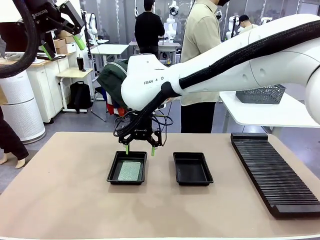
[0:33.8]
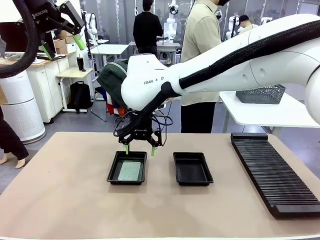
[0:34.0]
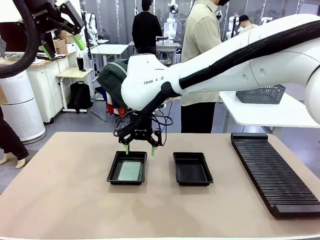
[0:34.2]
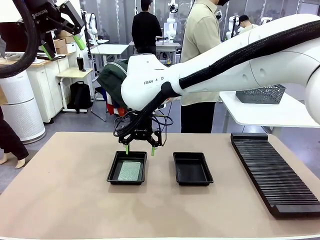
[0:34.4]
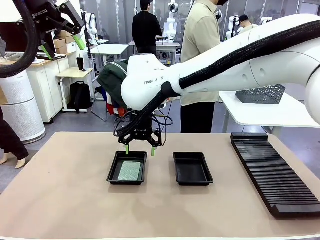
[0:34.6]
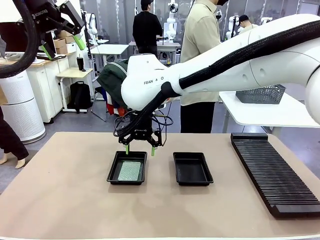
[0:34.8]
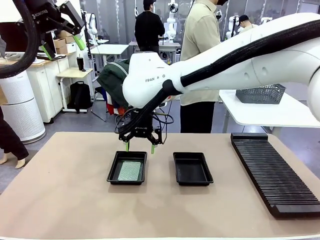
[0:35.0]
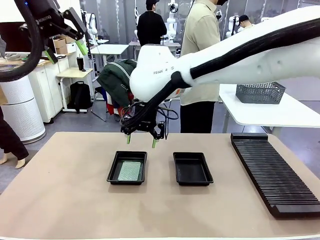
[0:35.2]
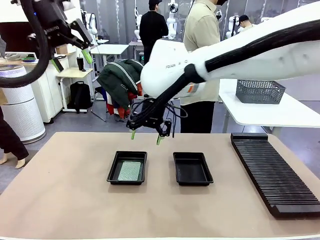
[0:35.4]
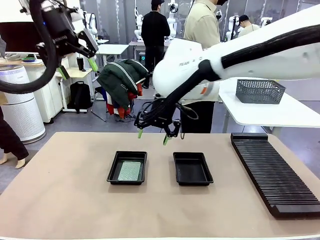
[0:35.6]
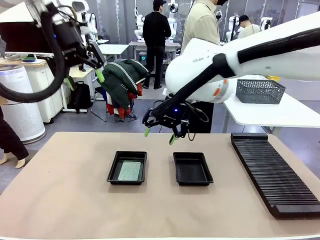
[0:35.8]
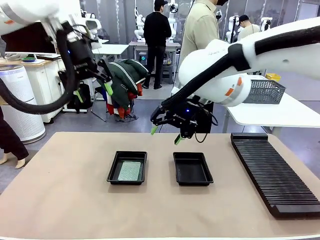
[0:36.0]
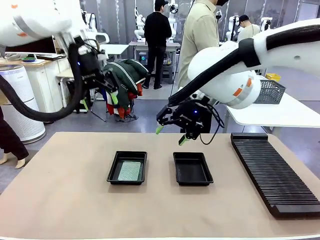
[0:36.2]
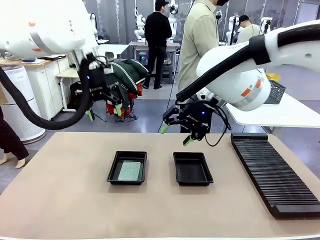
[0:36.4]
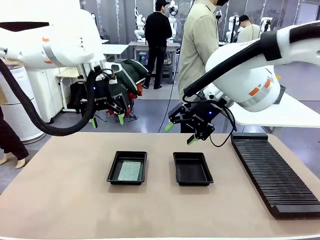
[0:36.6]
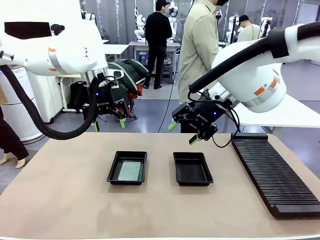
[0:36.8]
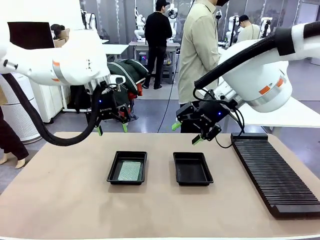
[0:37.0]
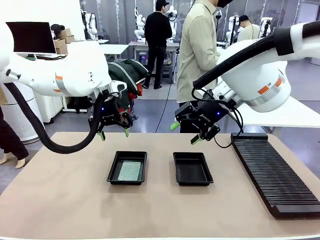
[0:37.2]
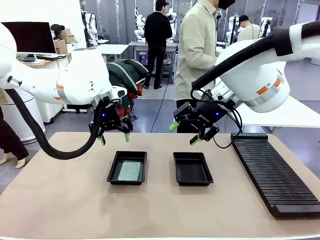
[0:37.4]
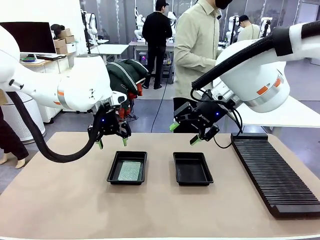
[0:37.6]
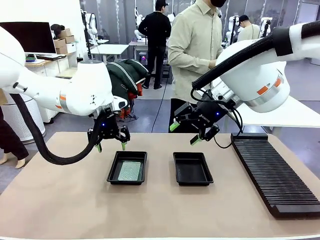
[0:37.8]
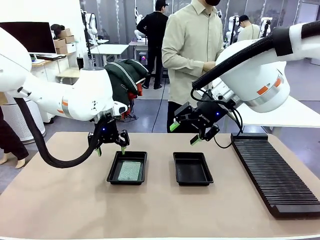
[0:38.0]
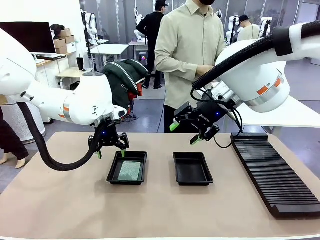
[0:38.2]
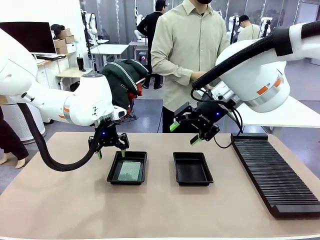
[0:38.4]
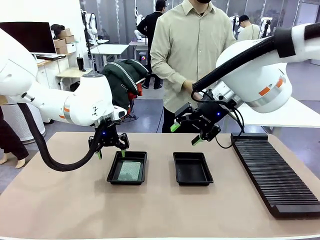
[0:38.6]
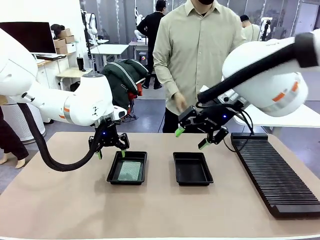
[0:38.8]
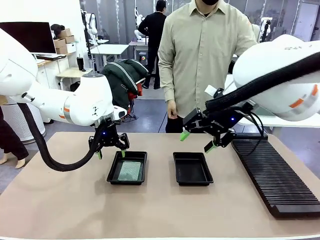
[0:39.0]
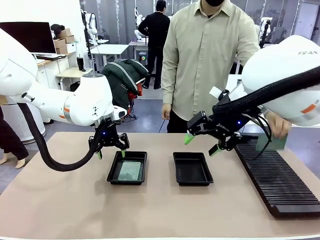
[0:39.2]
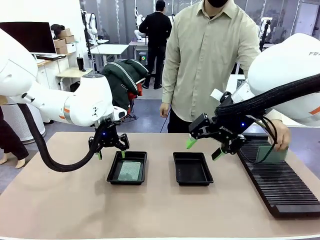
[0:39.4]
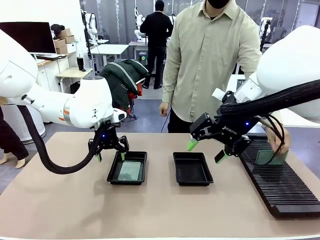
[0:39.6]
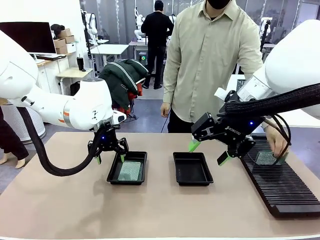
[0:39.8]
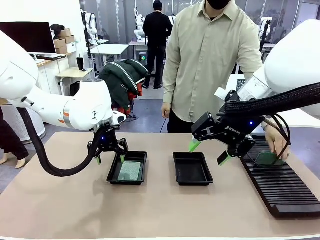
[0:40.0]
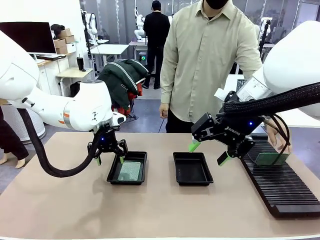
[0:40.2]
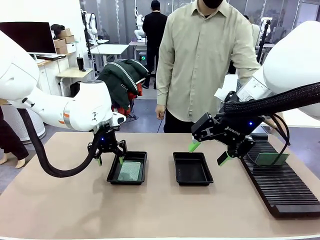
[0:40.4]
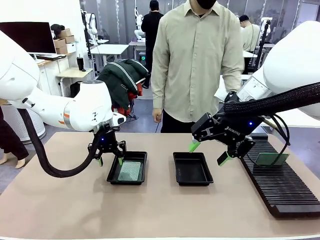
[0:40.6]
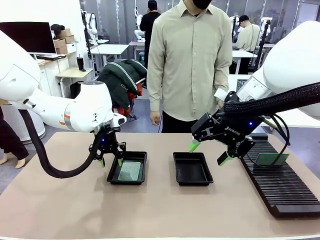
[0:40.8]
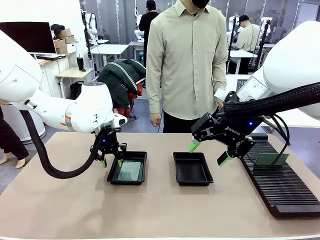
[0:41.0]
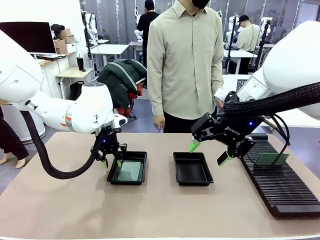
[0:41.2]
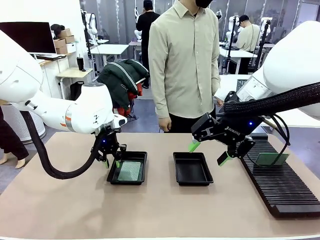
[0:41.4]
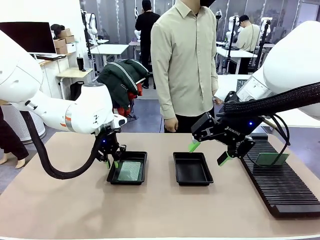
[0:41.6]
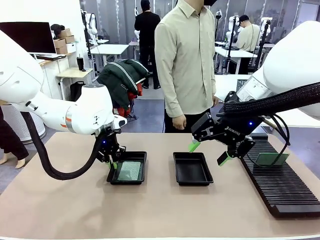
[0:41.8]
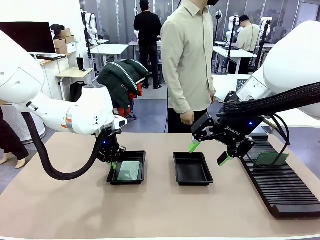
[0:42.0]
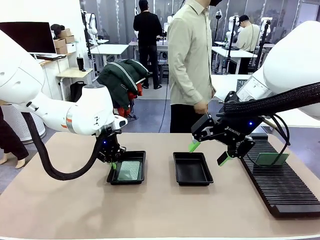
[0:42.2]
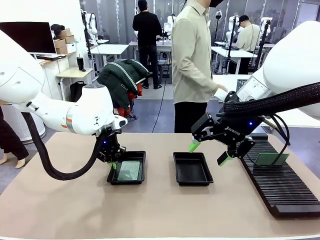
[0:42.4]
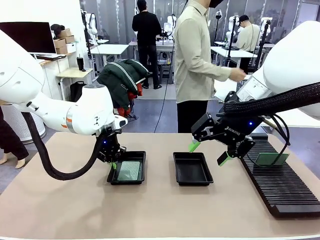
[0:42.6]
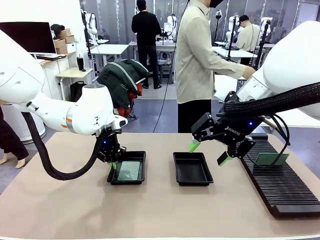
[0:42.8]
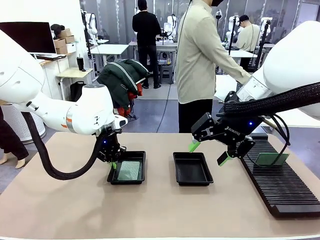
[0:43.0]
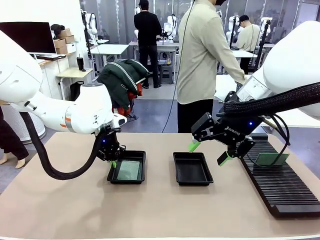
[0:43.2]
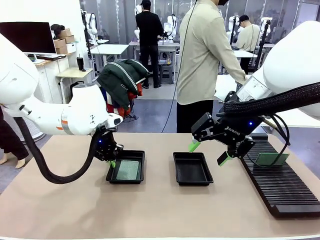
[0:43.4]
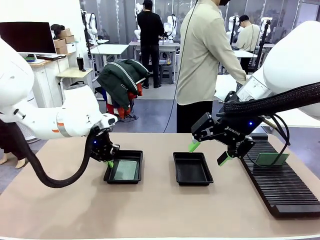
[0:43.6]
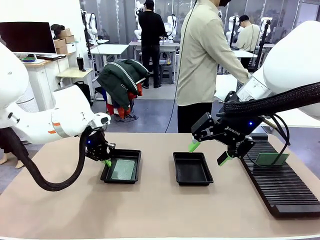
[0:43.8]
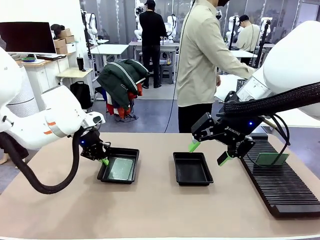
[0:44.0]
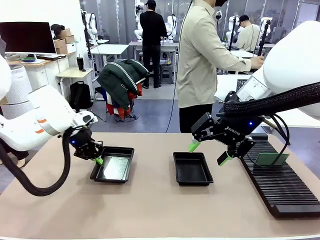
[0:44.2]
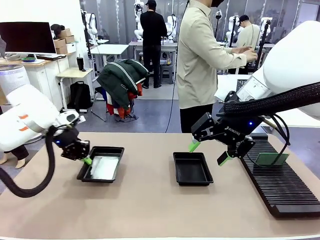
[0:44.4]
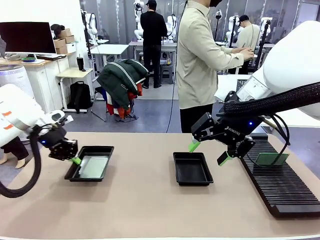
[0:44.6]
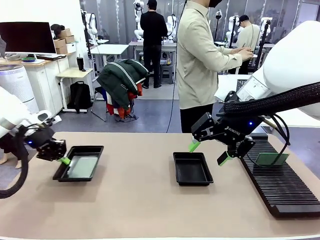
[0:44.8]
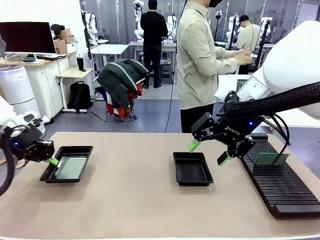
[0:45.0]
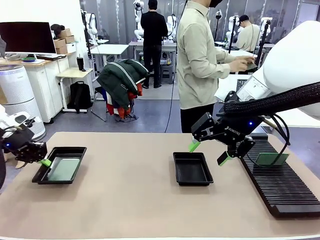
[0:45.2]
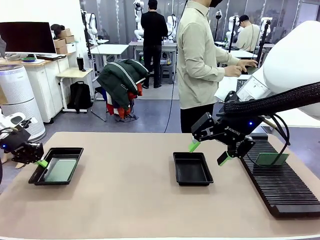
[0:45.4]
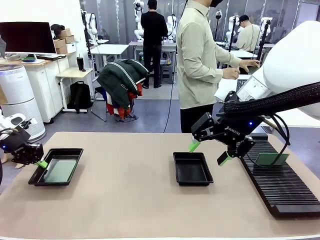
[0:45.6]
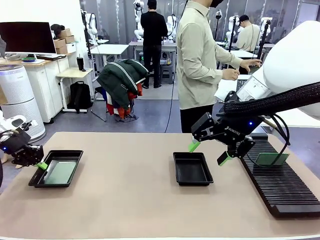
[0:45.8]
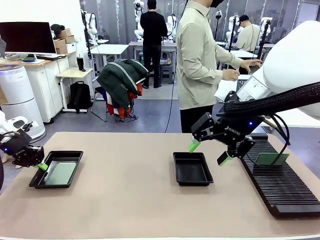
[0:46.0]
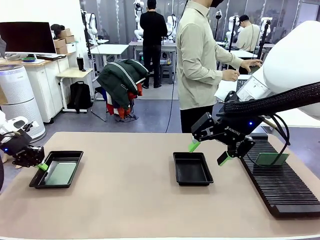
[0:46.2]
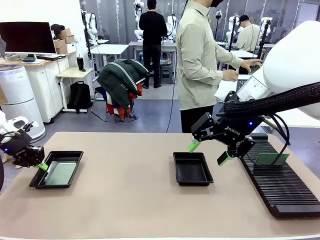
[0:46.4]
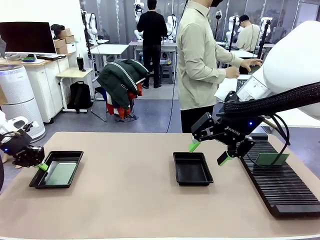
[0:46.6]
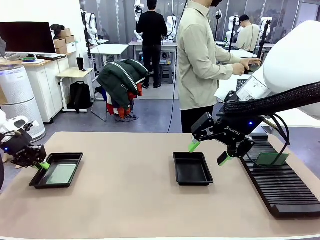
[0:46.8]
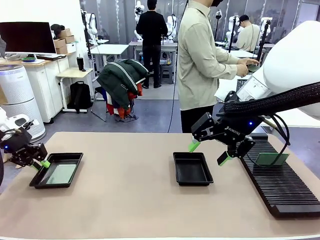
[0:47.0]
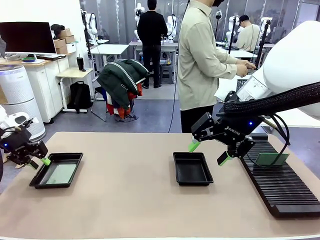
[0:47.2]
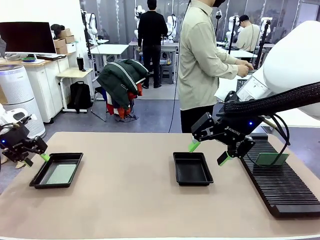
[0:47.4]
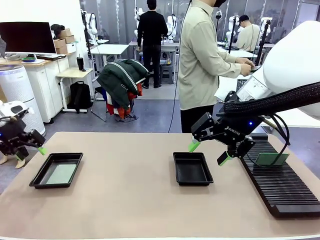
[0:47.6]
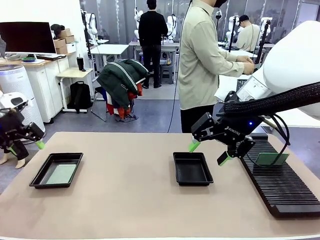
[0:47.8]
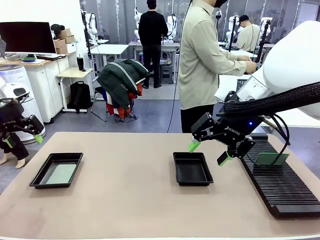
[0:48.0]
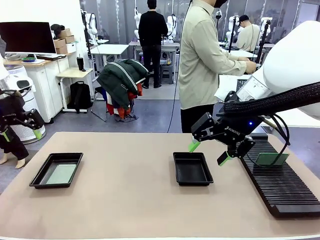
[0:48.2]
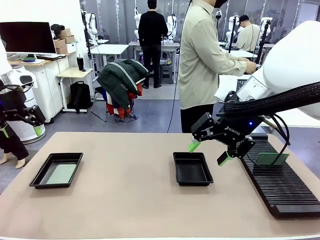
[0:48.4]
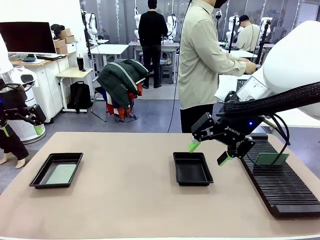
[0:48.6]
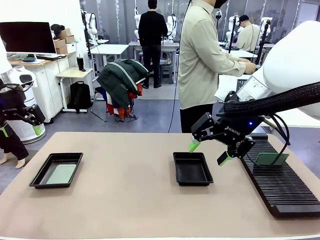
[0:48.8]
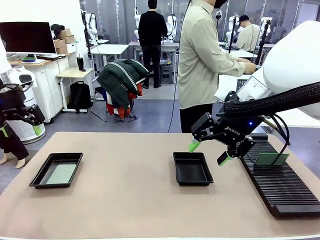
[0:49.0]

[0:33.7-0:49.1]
Task: Inspect and transfer BCBs to ESD trays.
Robot: Pick up the ESD tray and place it on the left side of the table.

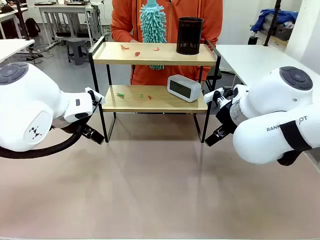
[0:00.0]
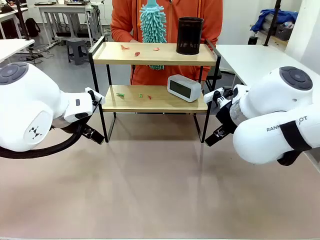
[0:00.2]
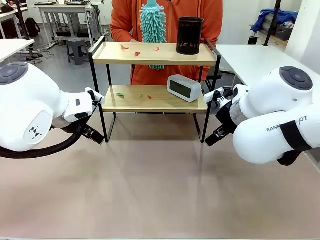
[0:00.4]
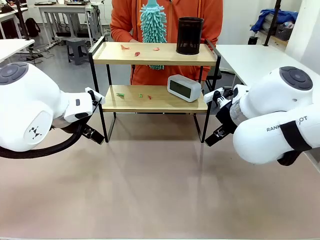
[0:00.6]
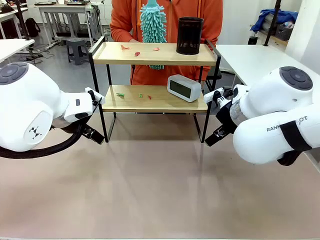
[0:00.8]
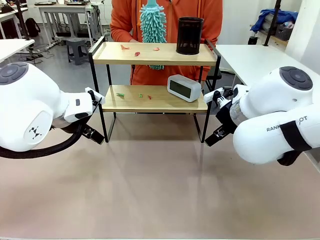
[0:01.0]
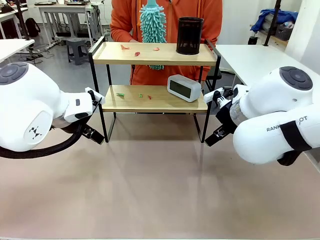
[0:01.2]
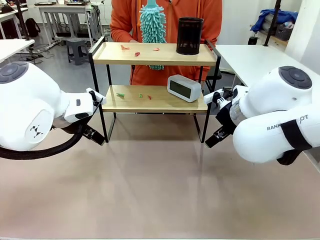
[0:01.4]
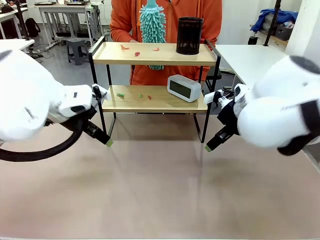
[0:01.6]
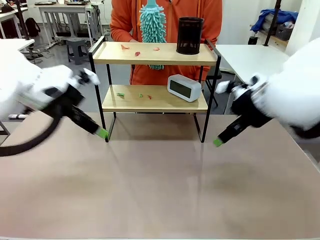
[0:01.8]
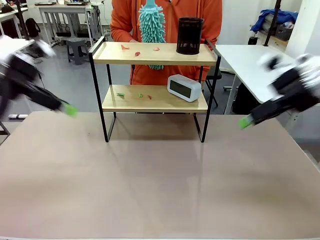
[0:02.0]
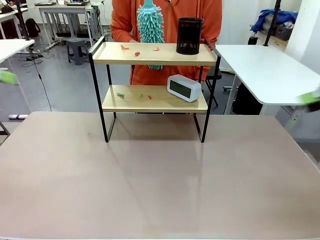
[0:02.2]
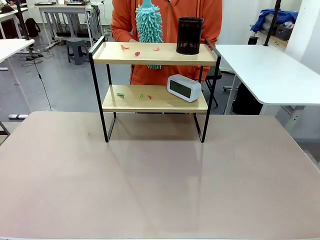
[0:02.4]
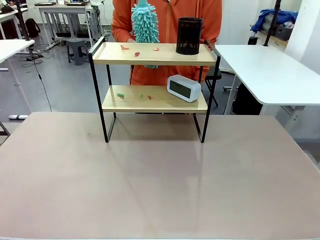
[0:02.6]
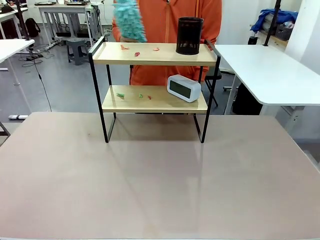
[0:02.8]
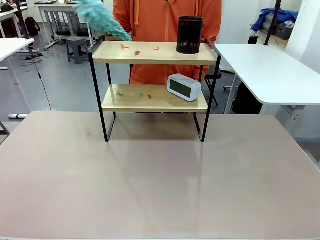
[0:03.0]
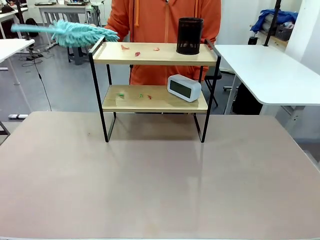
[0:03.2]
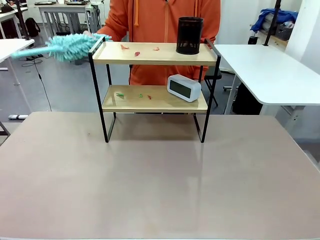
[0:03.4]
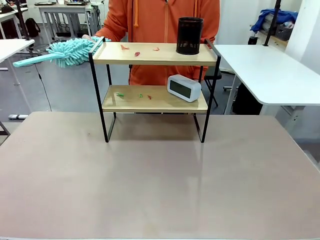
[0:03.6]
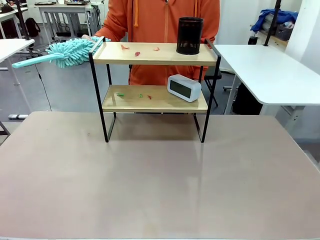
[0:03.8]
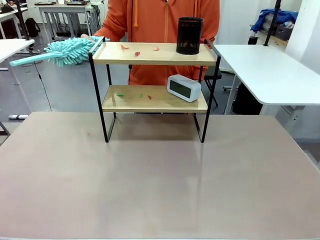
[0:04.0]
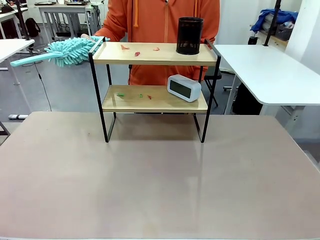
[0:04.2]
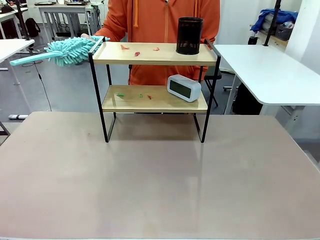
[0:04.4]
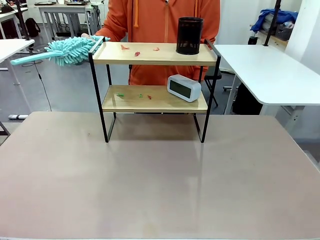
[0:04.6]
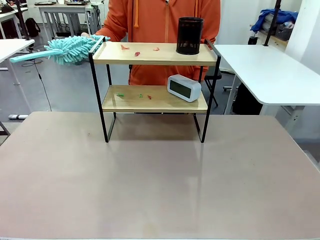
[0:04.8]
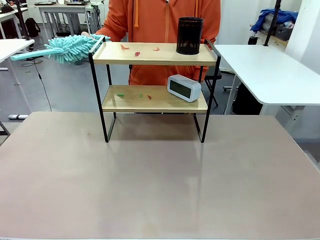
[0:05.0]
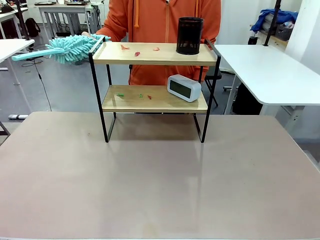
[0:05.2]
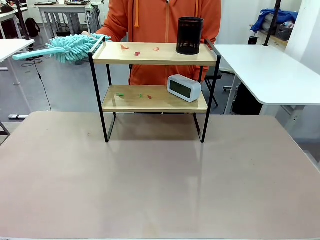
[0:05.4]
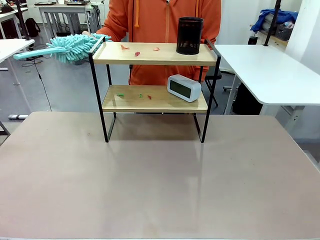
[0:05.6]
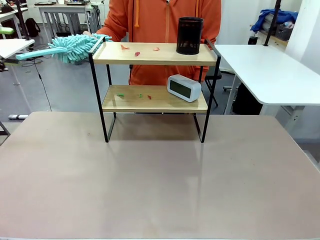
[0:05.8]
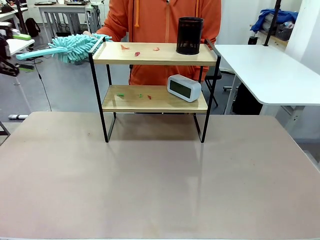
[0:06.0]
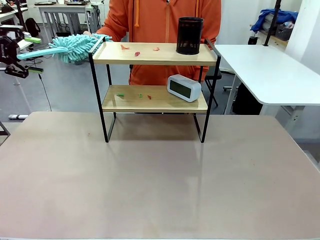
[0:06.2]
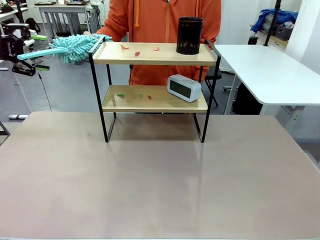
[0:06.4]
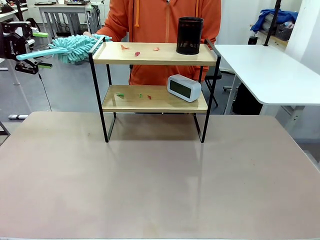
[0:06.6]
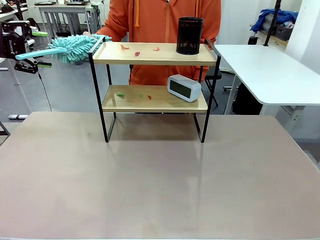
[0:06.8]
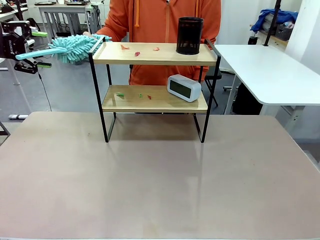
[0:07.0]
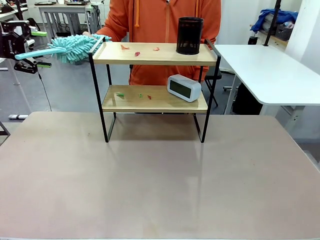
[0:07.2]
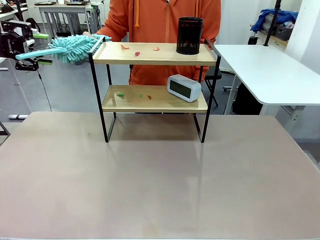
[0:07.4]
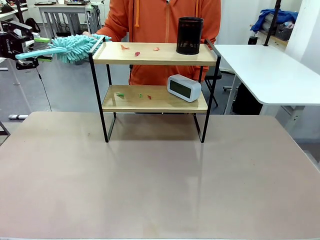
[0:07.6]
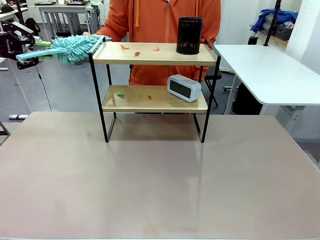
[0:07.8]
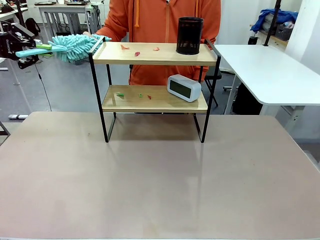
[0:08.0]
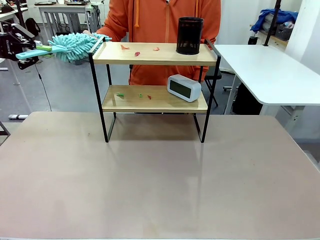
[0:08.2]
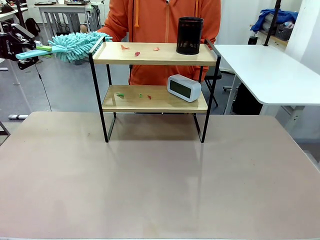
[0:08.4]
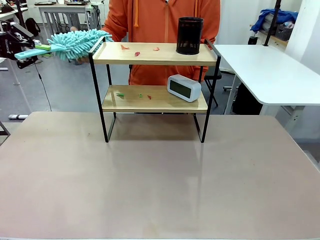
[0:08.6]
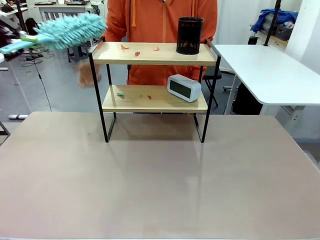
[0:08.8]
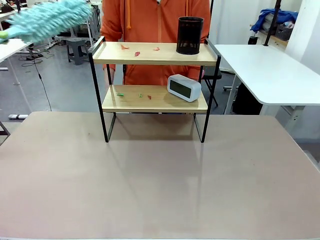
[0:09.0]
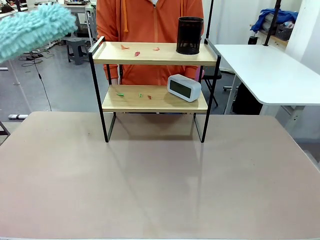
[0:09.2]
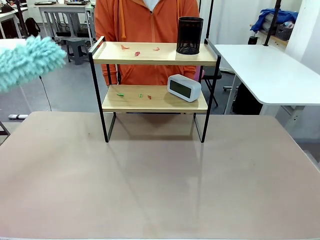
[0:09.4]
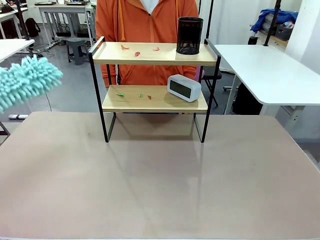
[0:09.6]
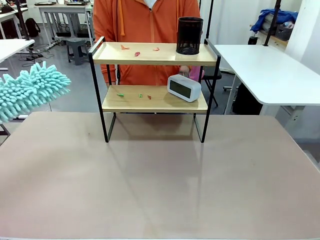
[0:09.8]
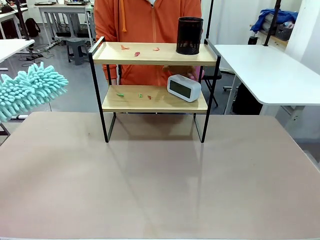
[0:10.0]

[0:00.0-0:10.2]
Task: Clean the shelf.
Robot: Pick up the Duster from the human.
Person: Hand the Duster to the robot.
